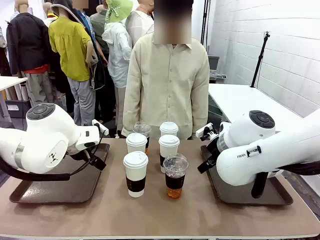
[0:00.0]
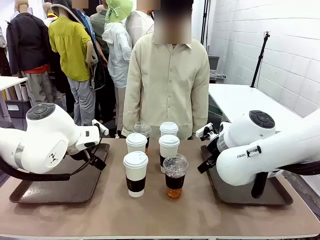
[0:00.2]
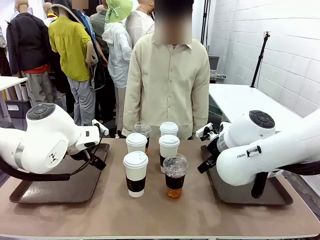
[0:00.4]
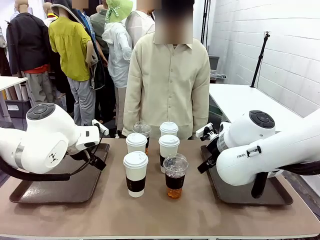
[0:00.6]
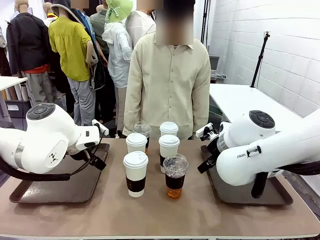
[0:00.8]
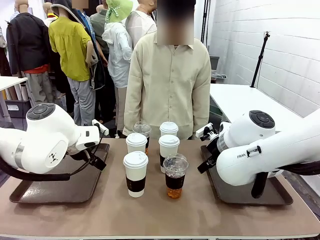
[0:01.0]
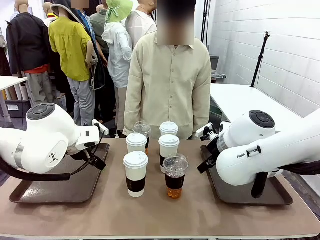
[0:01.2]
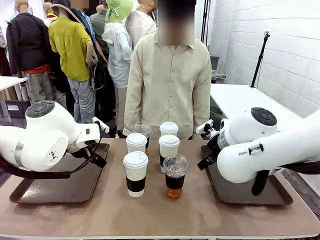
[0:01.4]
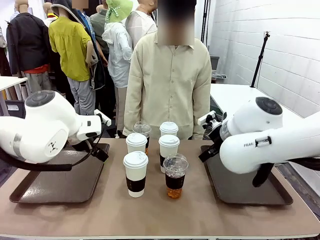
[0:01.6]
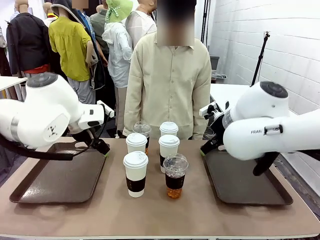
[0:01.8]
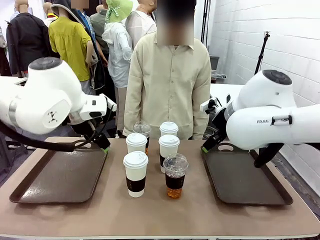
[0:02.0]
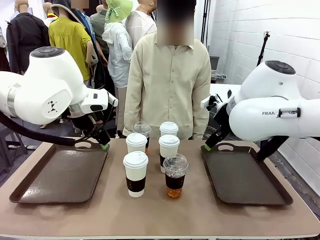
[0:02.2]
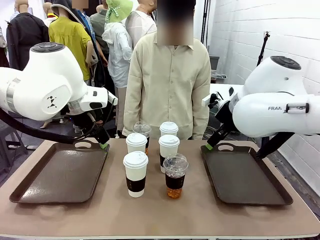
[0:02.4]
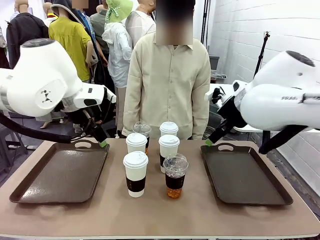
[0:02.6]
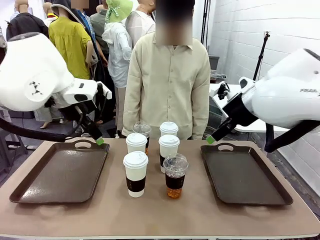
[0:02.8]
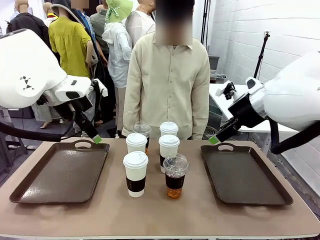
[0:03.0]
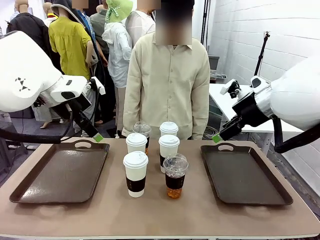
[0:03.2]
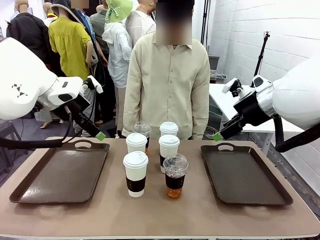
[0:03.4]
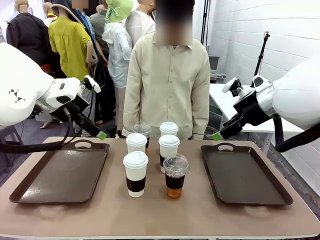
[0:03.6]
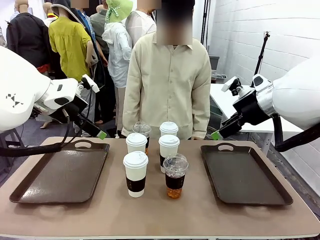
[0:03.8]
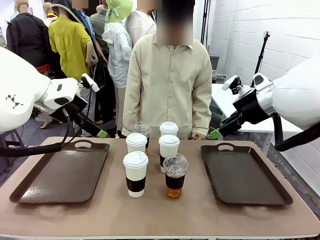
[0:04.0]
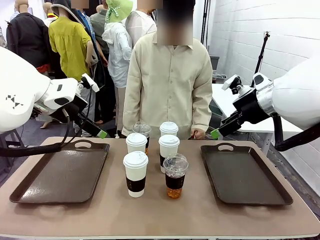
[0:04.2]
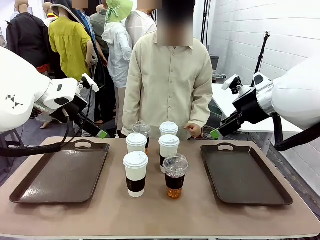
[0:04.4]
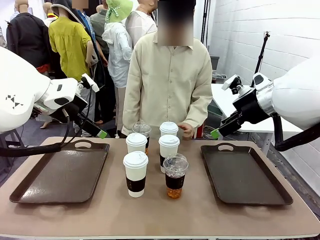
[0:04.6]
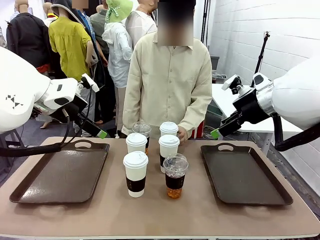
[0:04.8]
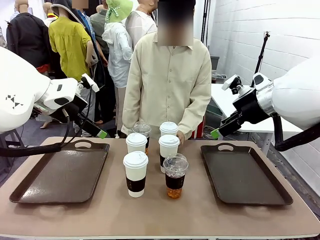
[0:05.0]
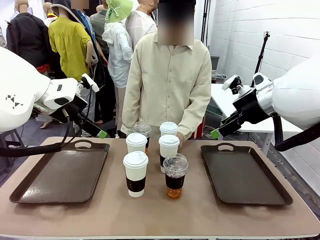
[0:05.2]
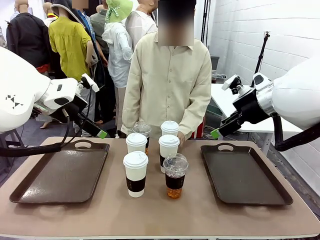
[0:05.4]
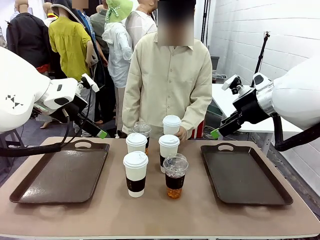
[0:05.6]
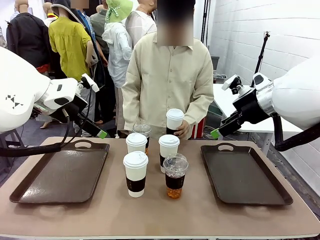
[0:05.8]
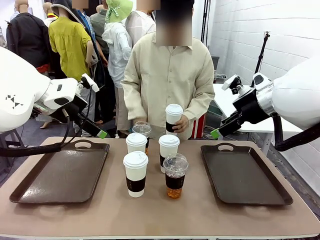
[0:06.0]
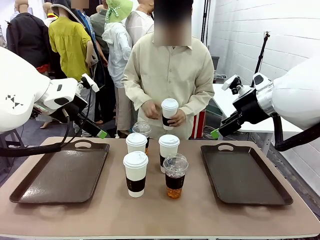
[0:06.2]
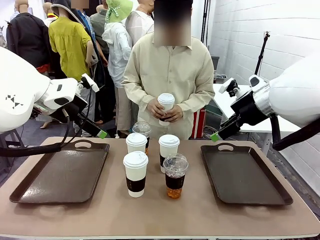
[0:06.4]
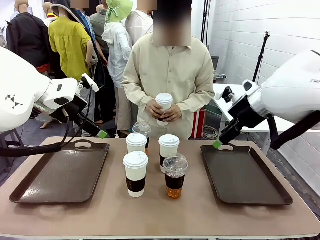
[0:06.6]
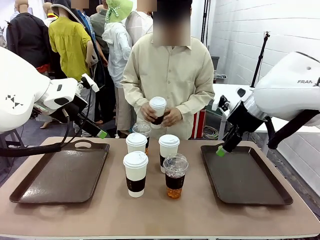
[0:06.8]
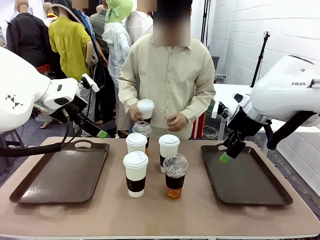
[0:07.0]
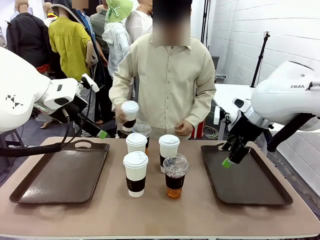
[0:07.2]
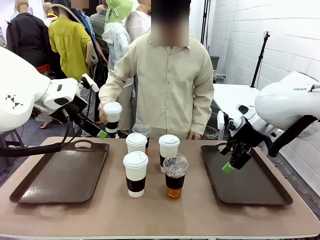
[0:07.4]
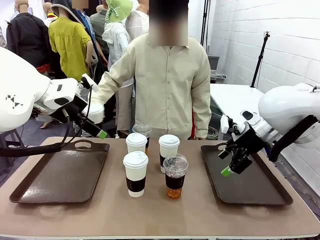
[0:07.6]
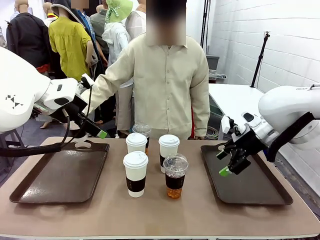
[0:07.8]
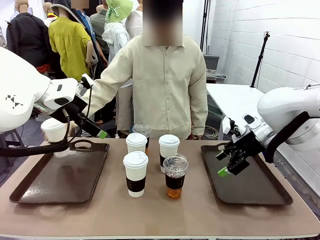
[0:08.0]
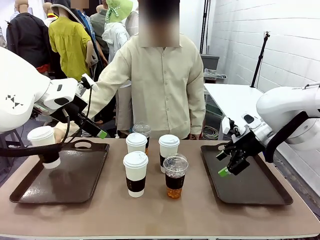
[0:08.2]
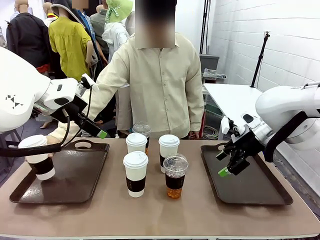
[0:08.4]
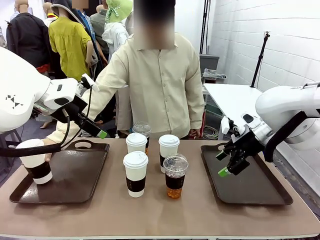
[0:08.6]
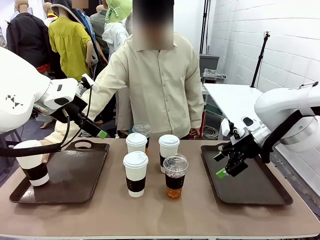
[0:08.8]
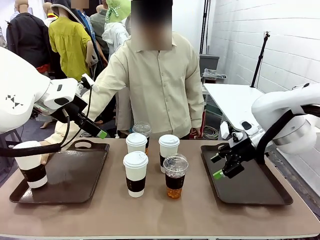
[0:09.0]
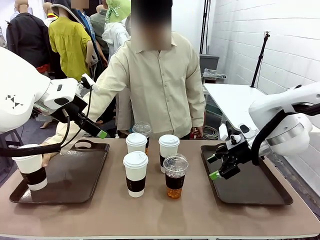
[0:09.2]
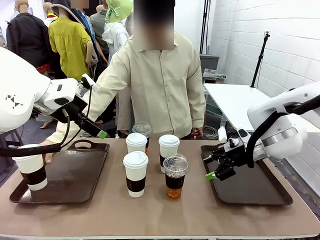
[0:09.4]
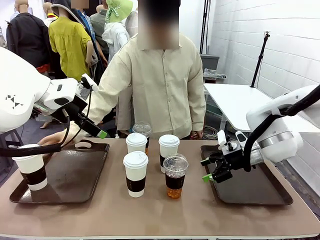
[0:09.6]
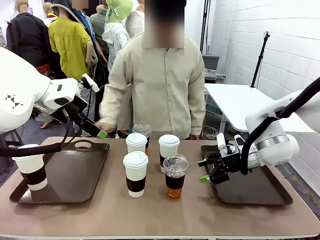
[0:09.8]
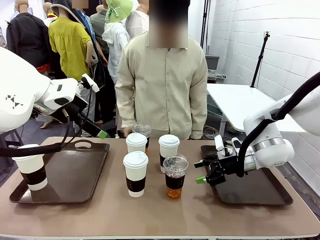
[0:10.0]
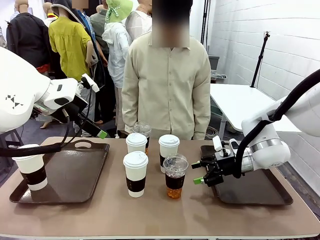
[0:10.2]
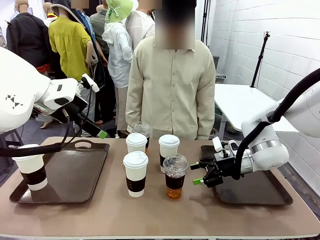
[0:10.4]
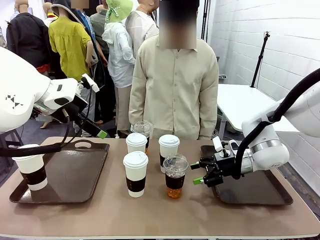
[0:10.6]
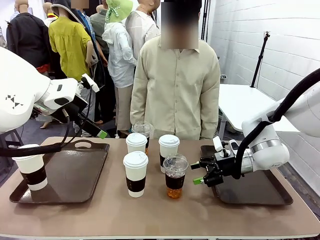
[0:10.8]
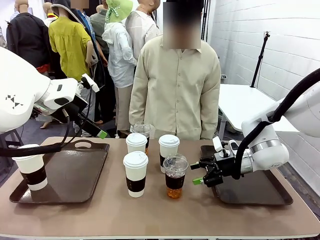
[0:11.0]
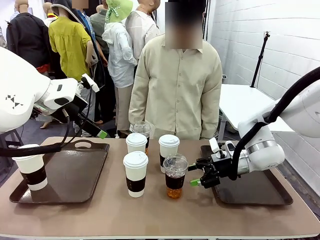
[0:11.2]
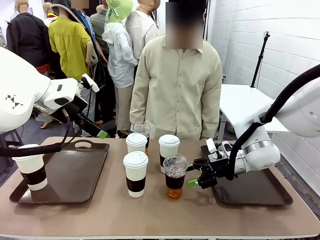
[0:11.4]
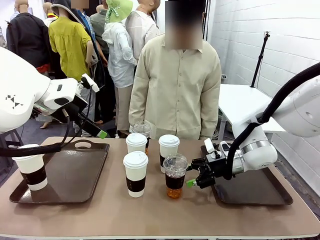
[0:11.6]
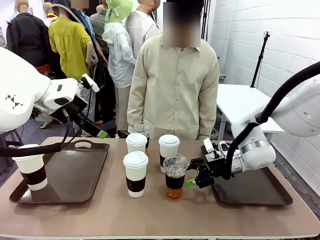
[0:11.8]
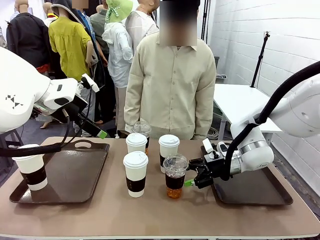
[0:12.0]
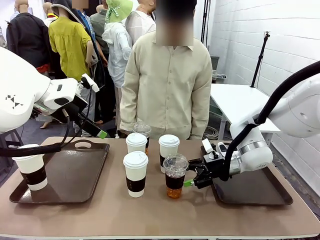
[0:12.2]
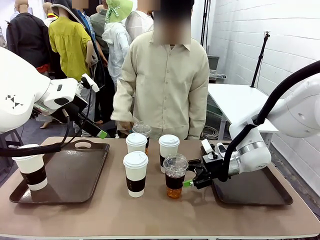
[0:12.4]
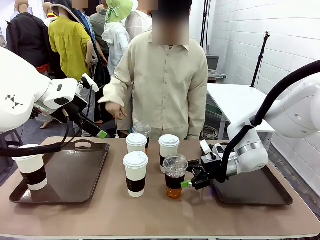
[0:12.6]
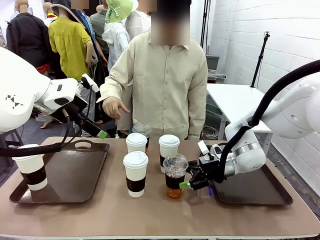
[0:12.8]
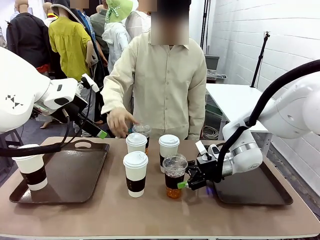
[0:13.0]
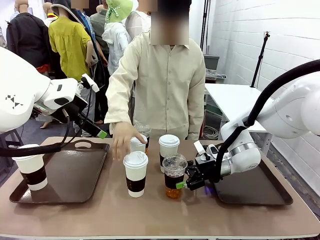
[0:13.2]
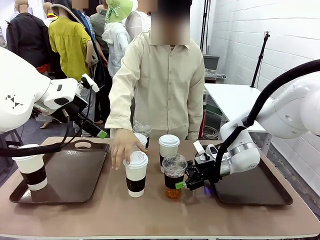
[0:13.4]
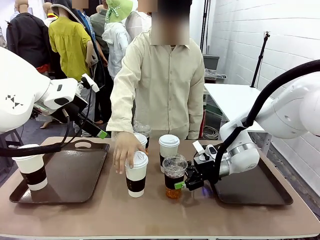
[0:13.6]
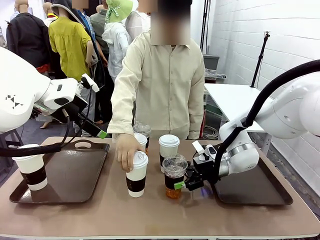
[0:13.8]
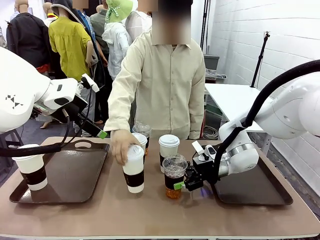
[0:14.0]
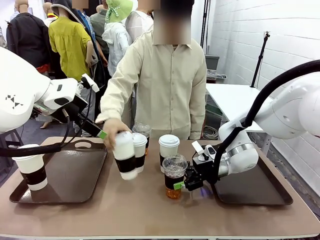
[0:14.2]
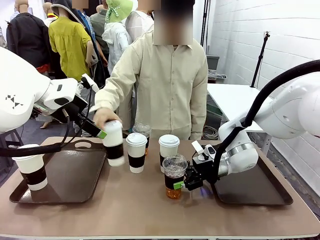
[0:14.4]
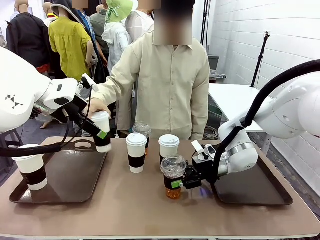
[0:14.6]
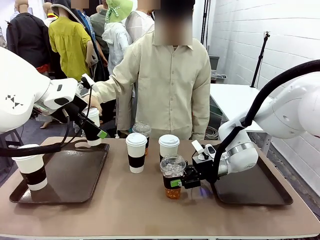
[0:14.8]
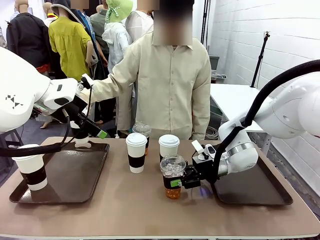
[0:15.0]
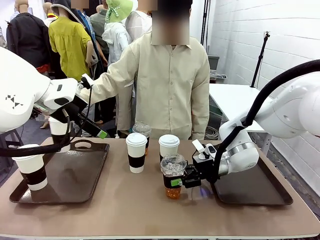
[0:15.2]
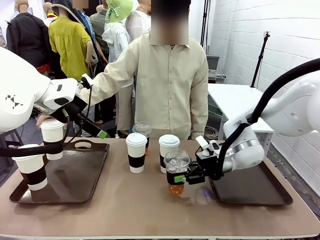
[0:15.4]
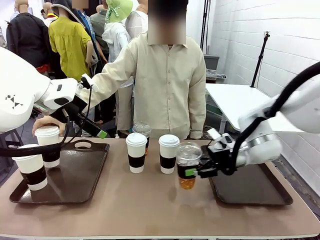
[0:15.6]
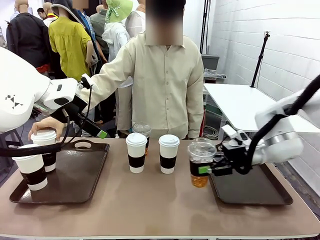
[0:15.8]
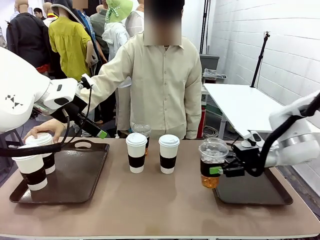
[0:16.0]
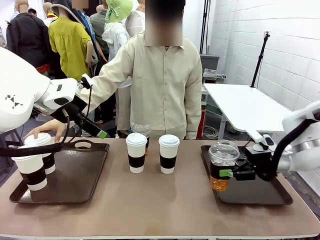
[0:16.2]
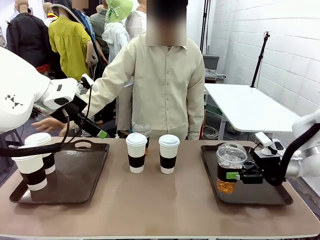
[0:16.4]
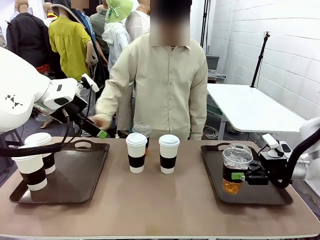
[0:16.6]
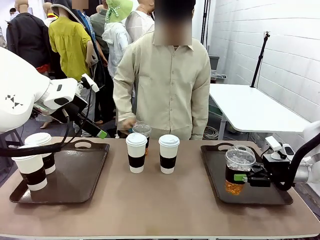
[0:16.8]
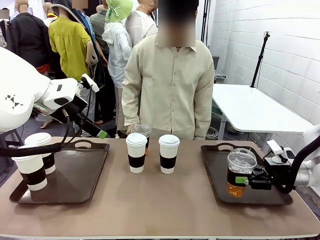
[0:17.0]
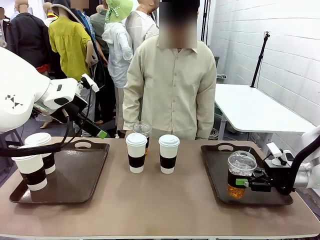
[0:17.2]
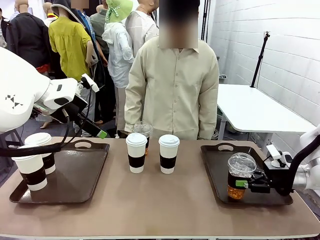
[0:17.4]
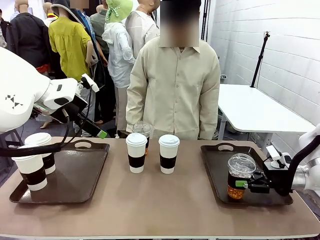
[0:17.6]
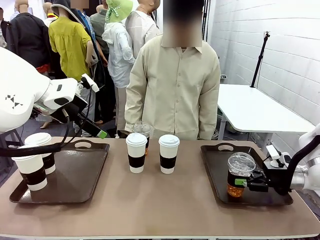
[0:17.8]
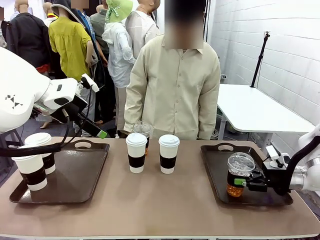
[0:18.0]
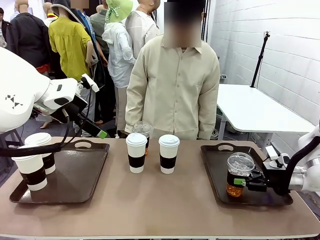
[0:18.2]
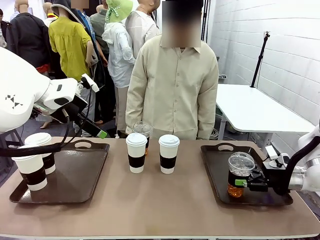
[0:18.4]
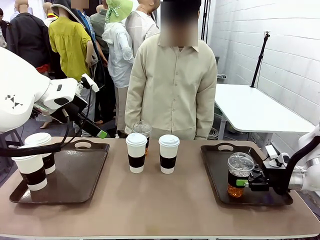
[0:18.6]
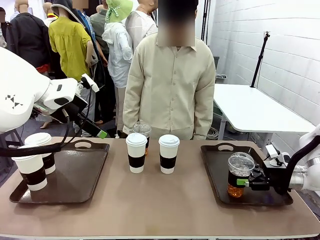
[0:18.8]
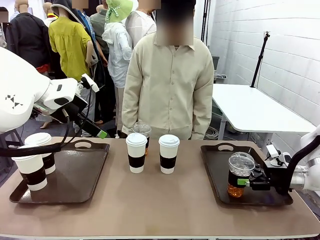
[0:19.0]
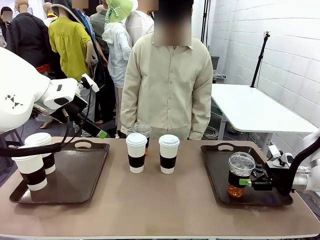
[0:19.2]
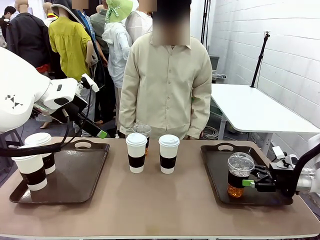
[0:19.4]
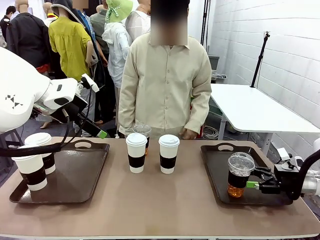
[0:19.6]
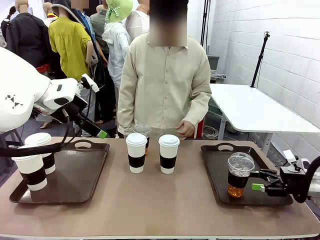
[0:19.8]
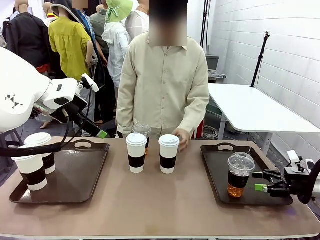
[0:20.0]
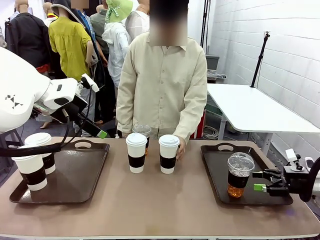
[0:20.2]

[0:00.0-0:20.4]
Task: Distribute the coffee onto the tray.
Robot: Pick up one iced Americano and place it on the right Handle tray.
Person: Pick up a cup of hot Americano and place it on the right tray.
